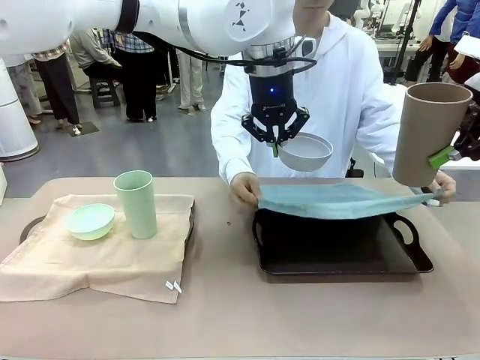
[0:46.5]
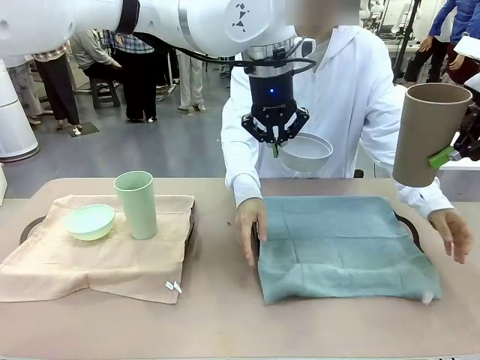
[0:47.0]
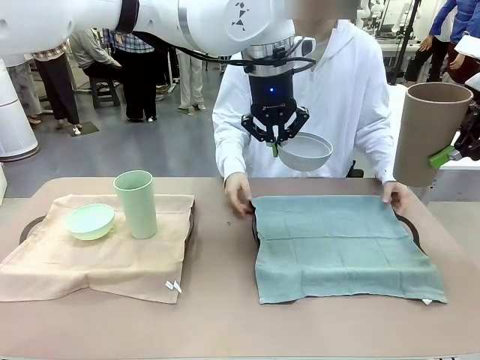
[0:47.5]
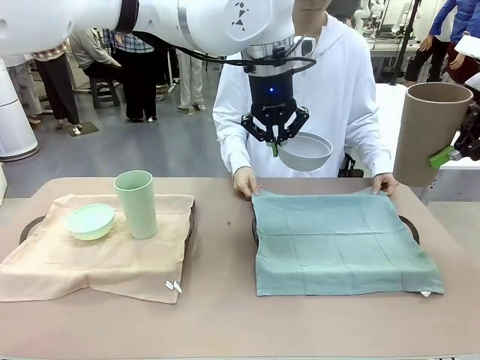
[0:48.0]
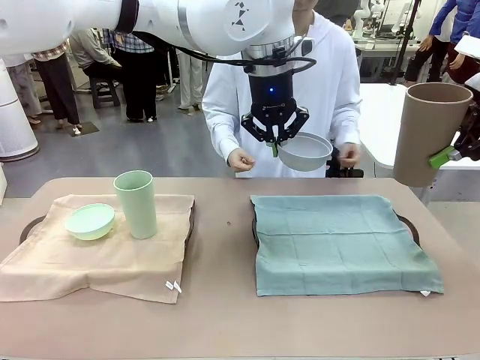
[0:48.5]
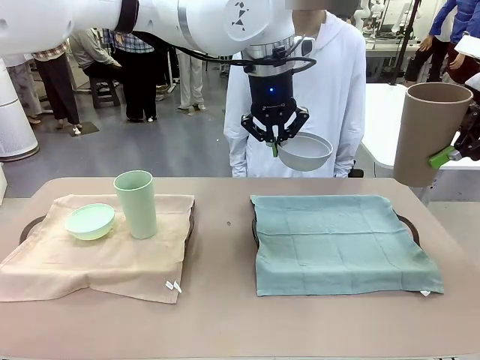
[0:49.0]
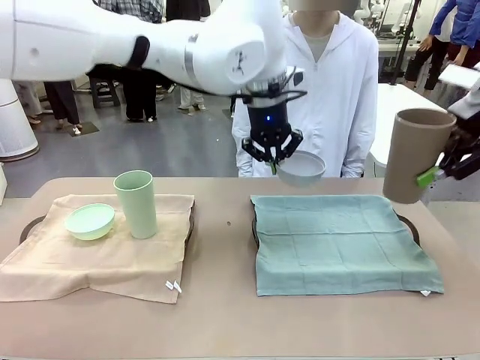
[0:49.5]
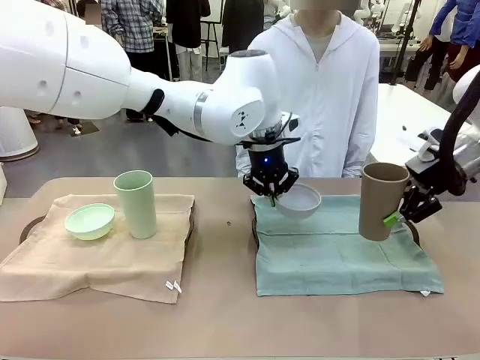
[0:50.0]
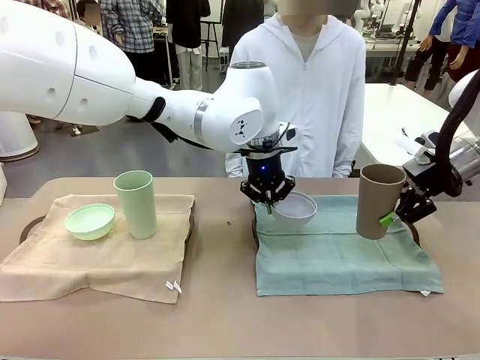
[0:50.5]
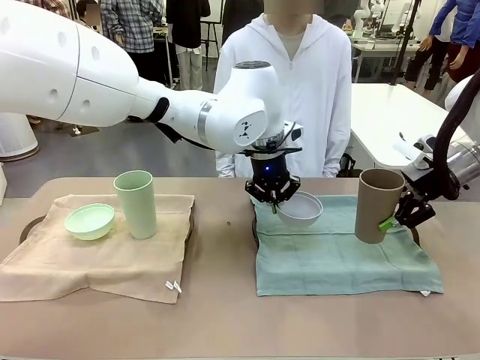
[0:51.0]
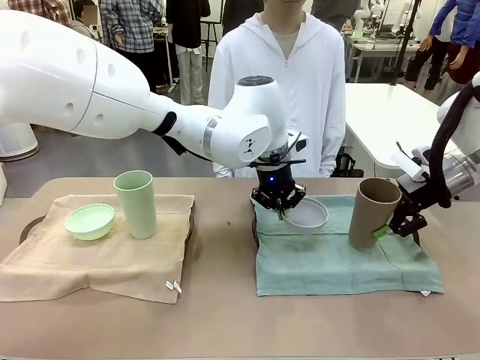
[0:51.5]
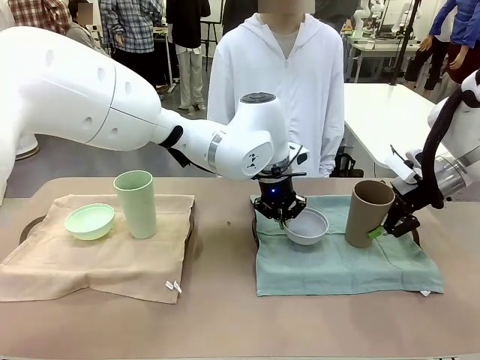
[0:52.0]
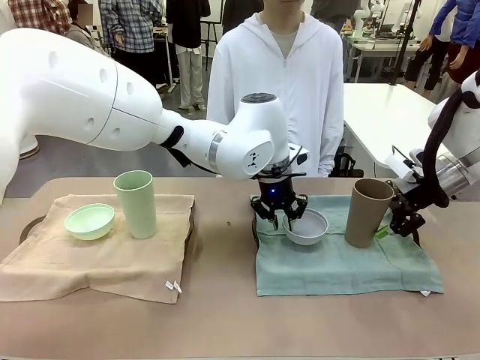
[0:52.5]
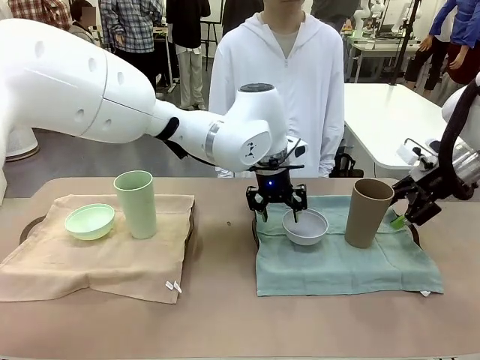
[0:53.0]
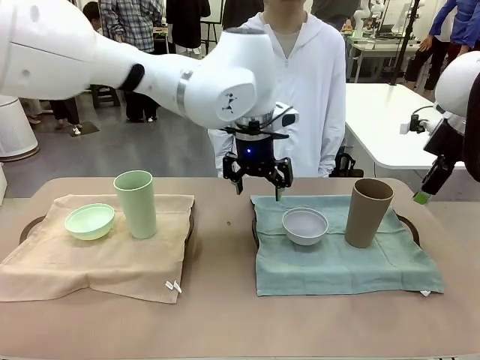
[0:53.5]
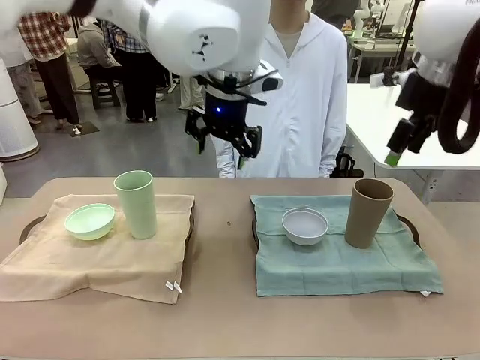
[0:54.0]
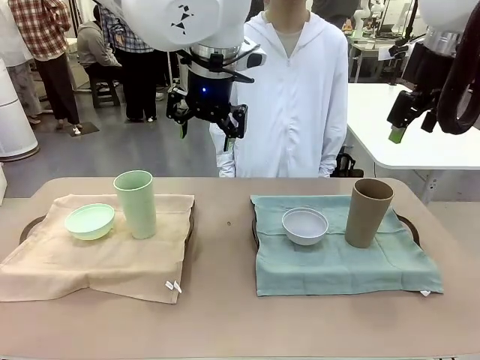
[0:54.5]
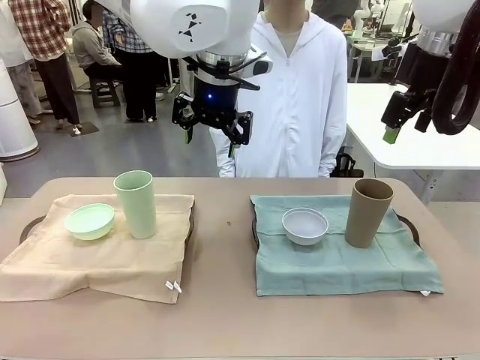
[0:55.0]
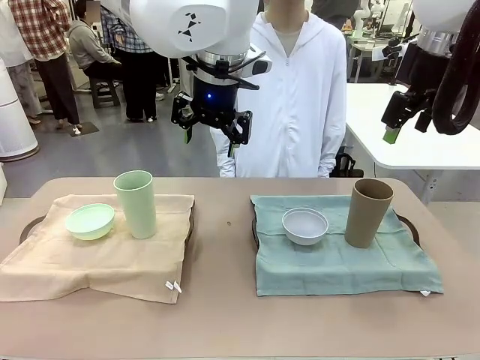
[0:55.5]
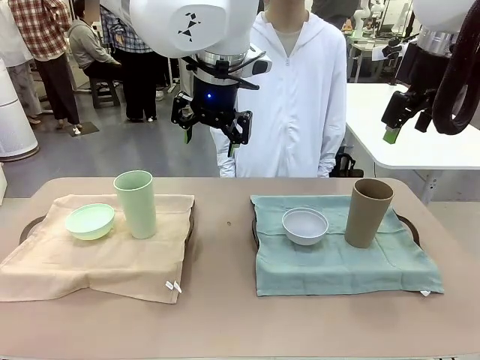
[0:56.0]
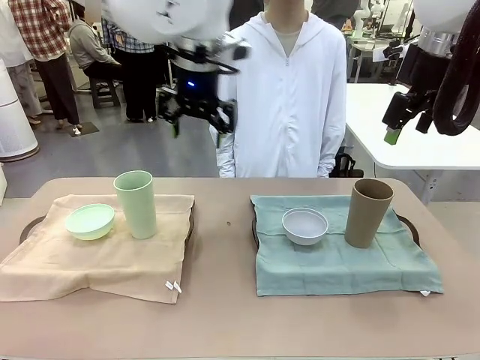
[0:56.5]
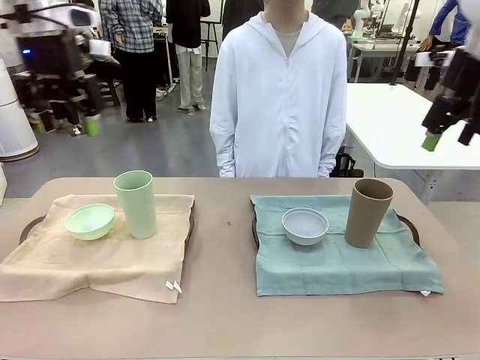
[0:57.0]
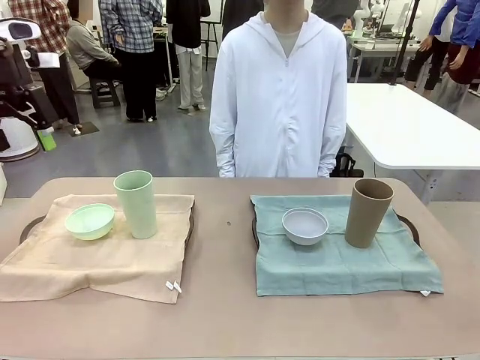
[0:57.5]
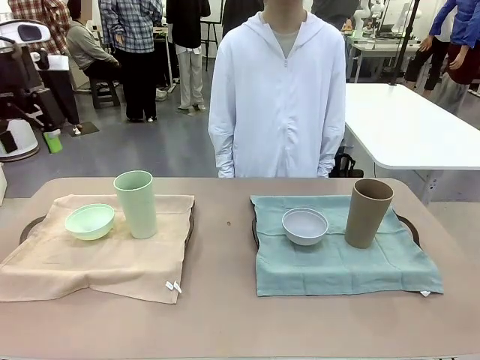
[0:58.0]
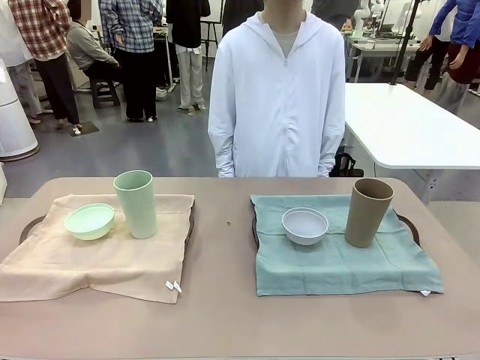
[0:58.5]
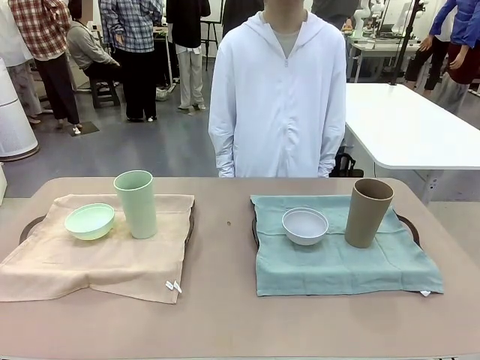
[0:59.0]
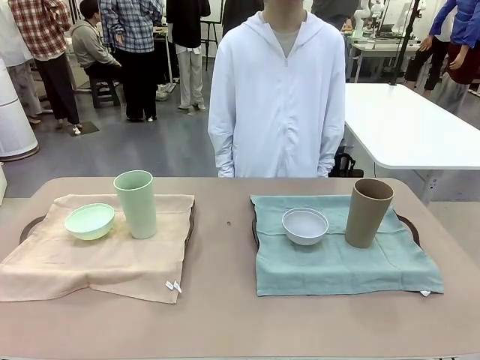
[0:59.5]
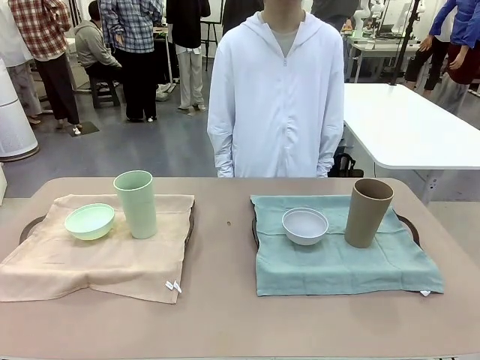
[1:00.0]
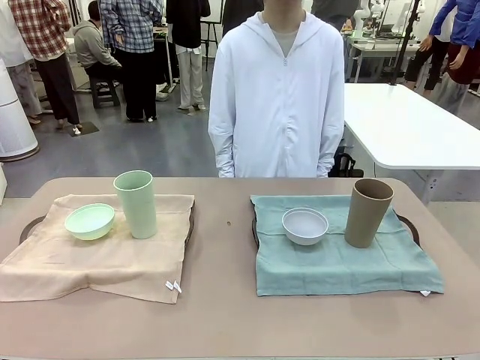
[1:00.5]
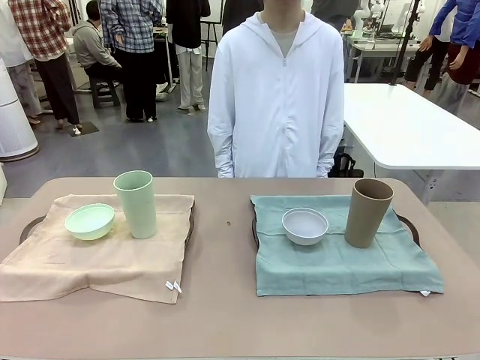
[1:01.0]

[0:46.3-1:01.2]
Robot: Place the Picnic Bowl and Reusable plastic cup back onto the Handle tray in front of the human's position.
Person: When the robot lifts the bowl and the cup, the human unfolds the napkin and lays the napkin flat on the tray.

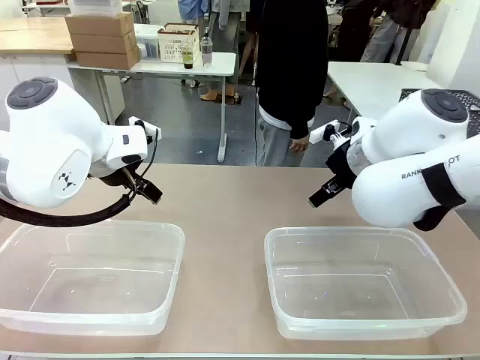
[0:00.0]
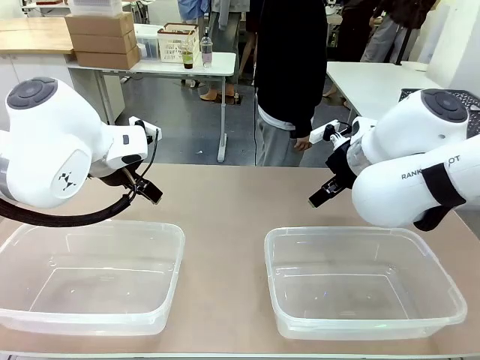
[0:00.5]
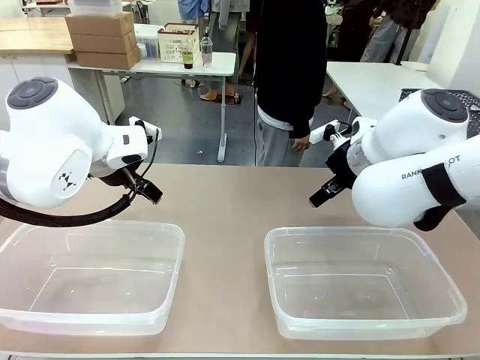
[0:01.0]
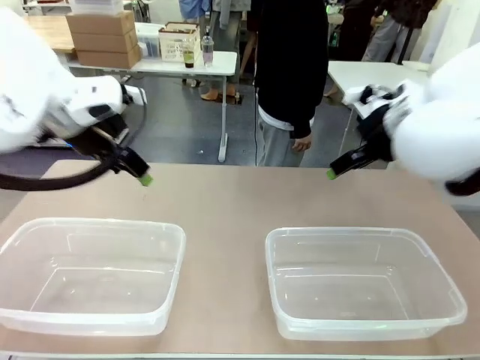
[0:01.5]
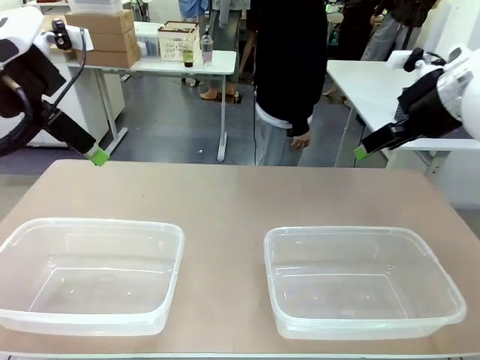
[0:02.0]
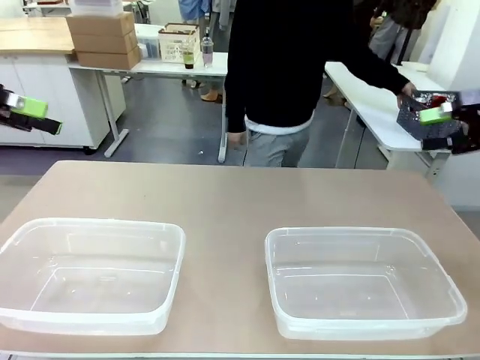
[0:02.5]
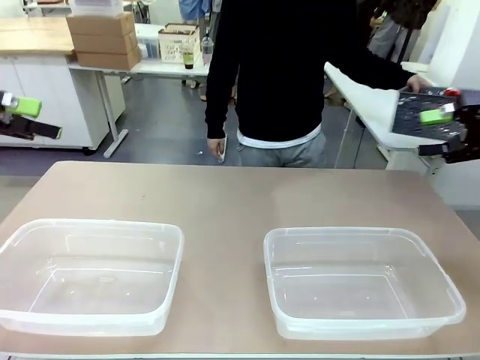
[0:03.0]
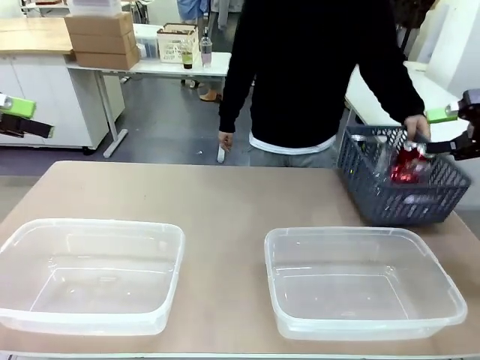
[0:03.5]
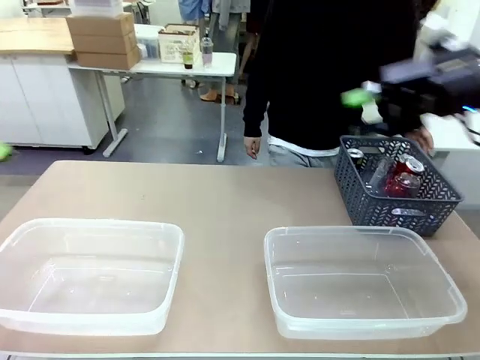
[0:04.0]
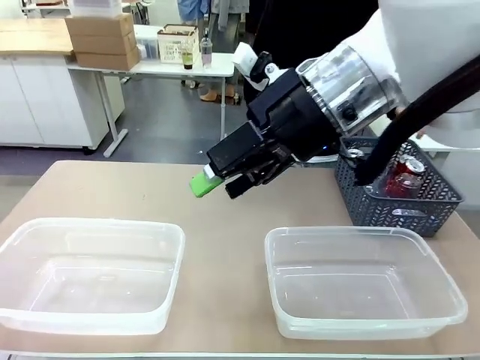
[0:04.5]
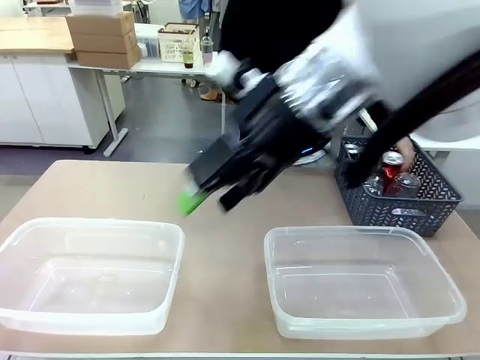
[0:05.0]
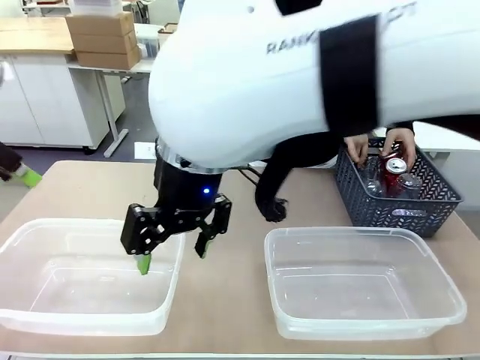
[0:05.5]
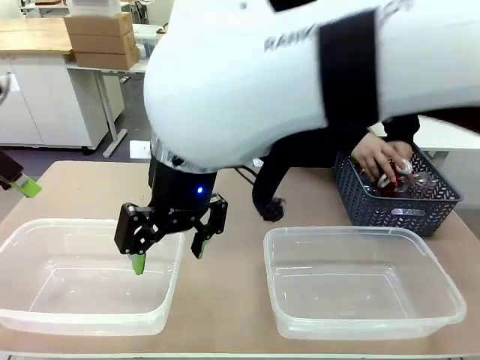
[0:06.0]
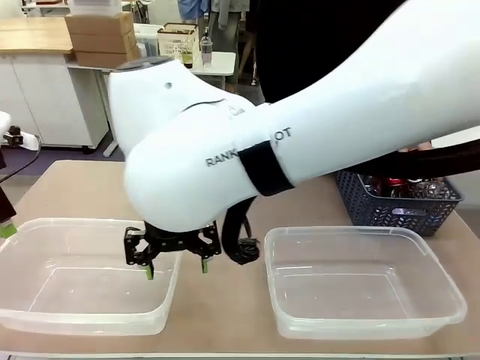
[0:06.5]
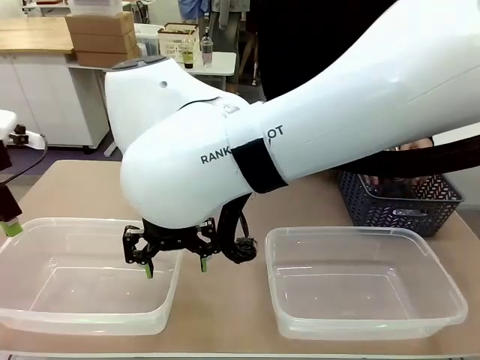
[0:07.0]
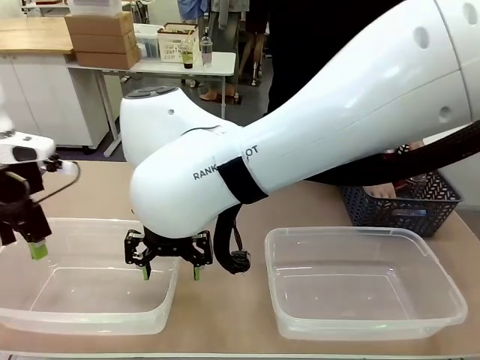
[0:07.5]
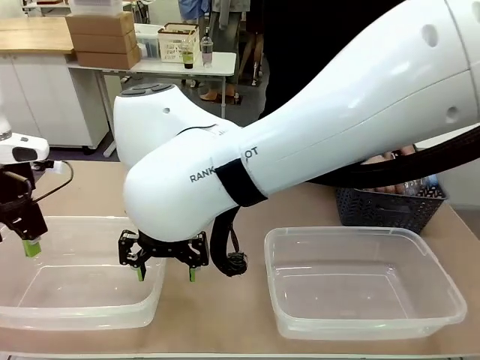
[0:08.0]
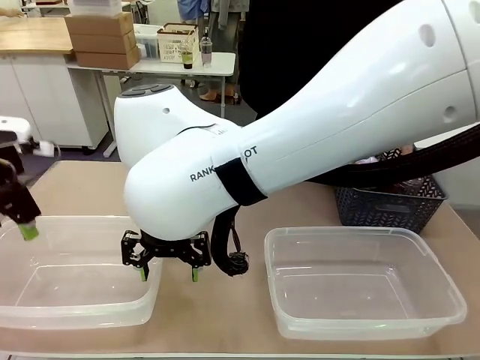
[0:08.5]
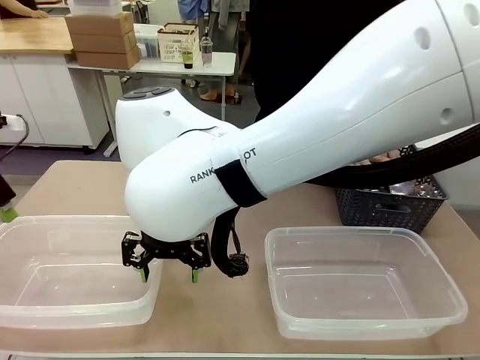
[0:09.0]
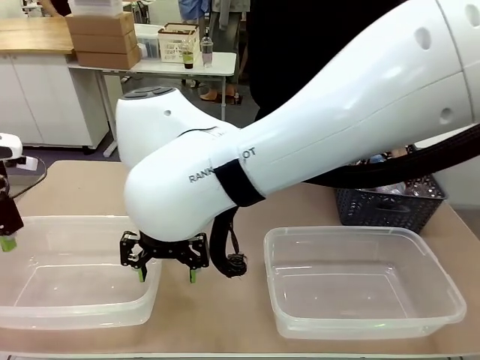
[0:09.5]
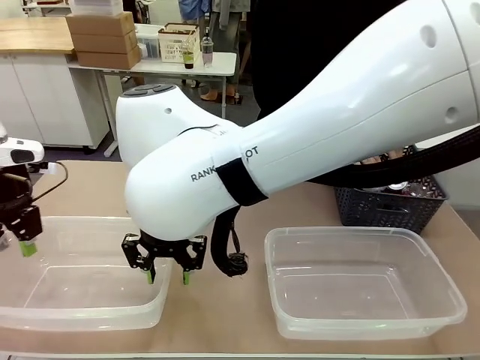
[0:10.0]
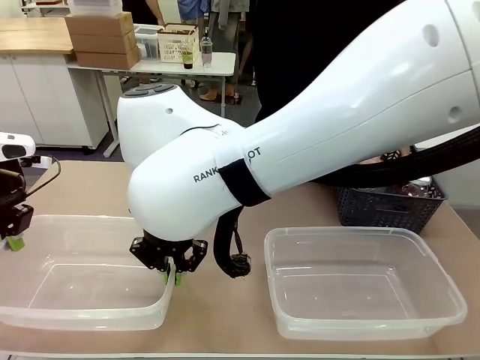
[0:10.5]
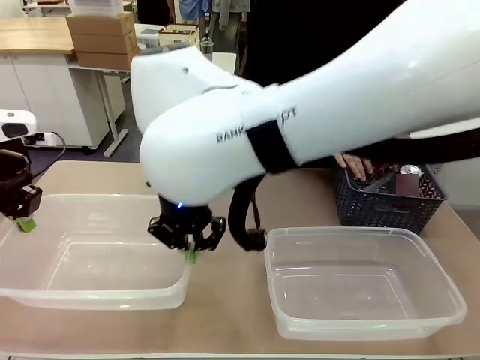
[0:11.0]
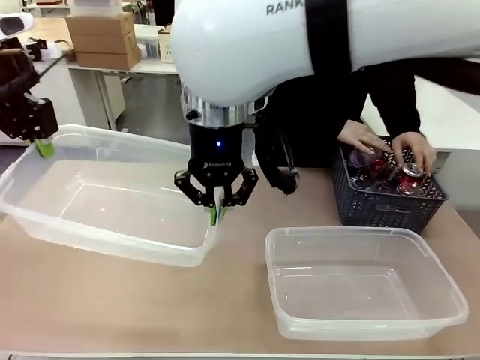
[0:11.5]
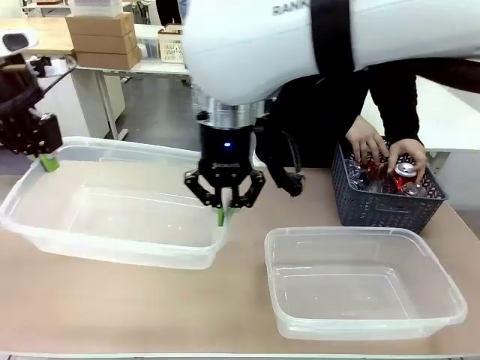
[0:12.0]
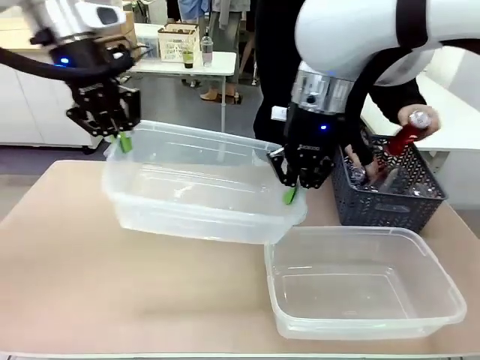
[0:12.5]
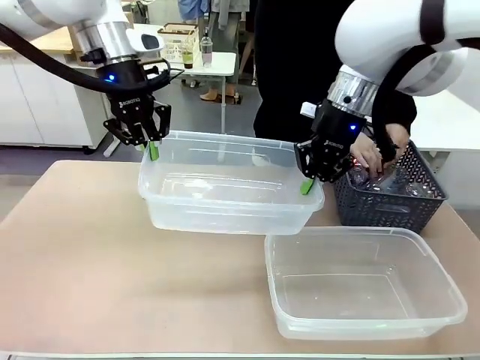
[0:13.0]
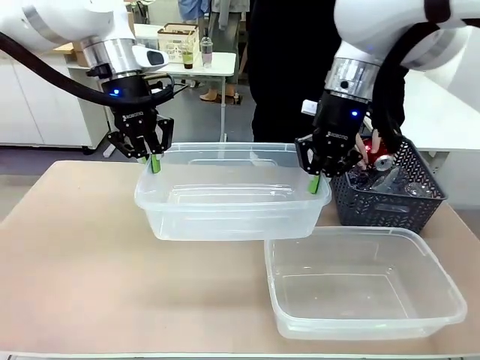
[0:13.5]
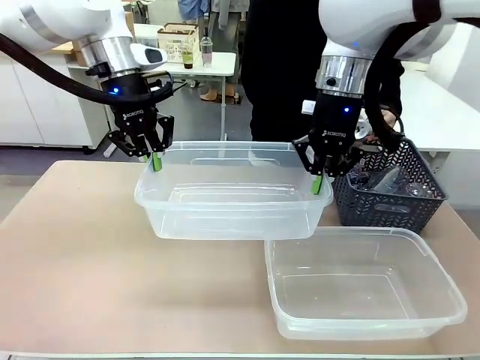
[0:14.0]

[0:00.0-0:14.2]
Robot: Pick up the Organizing box on the left side of the table and lift it.
Person: Pick up the storage basket and place it on the left side of the robot table. Pick up can-shaped waste one by one and place it into the organizing box lifted by the robot.
